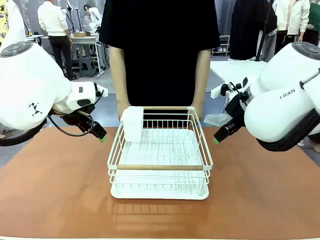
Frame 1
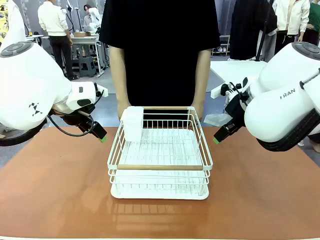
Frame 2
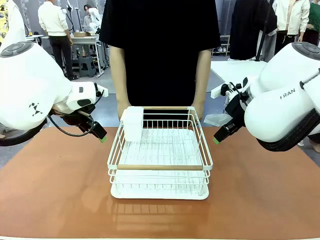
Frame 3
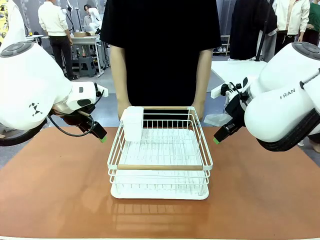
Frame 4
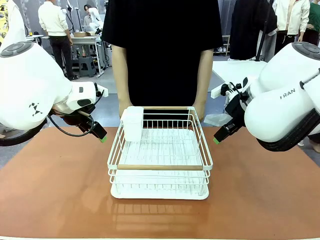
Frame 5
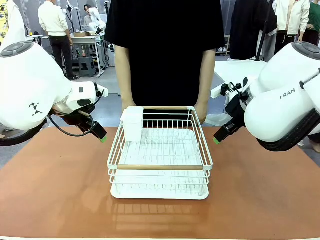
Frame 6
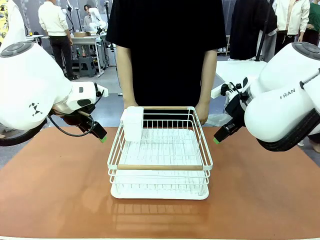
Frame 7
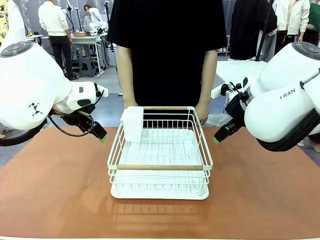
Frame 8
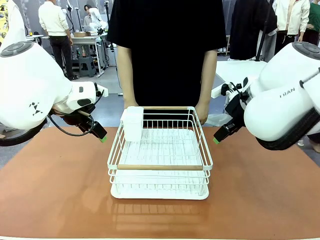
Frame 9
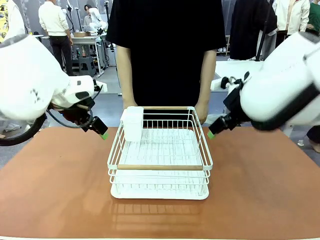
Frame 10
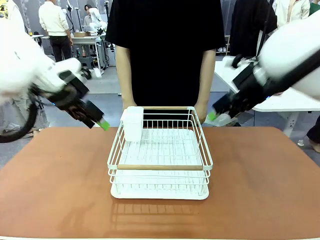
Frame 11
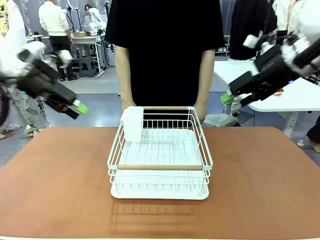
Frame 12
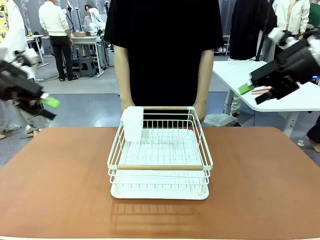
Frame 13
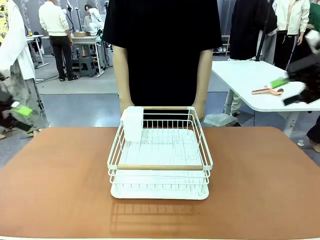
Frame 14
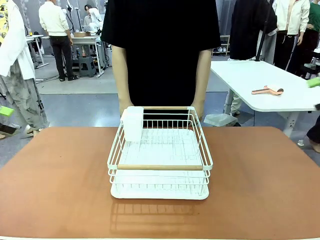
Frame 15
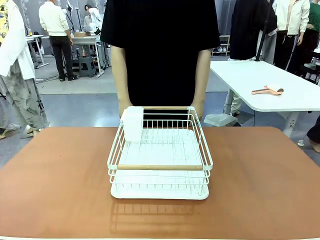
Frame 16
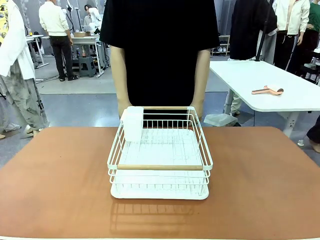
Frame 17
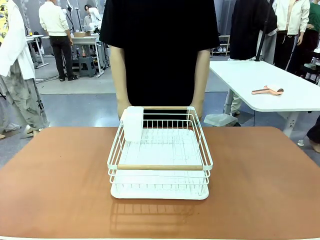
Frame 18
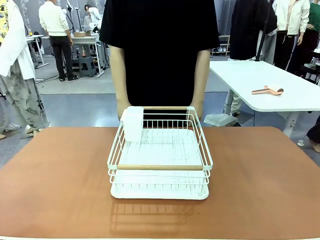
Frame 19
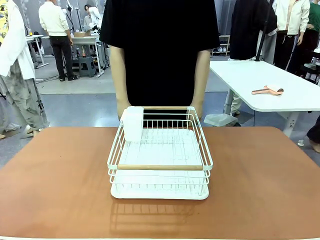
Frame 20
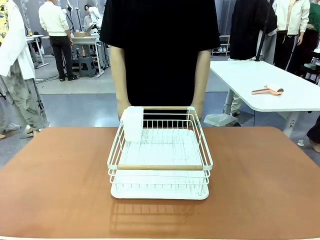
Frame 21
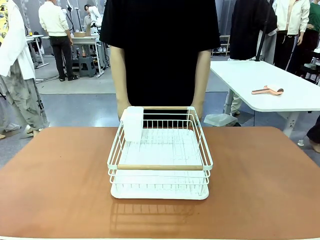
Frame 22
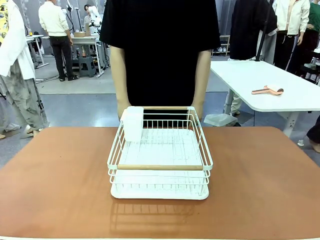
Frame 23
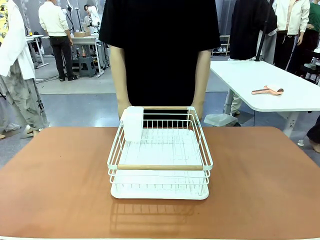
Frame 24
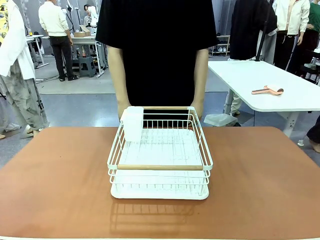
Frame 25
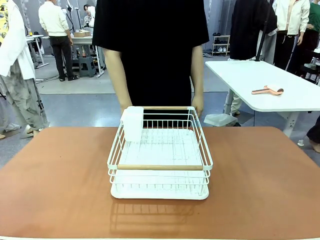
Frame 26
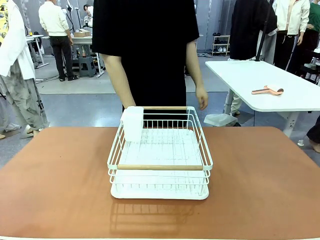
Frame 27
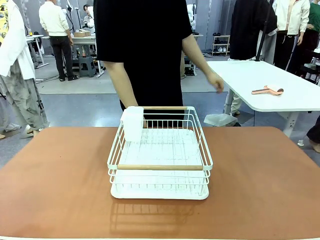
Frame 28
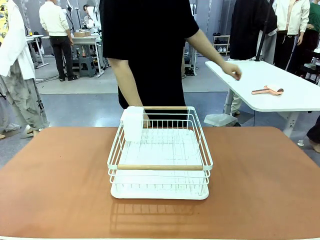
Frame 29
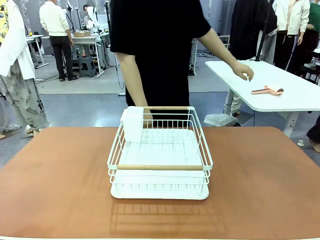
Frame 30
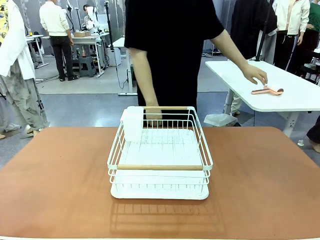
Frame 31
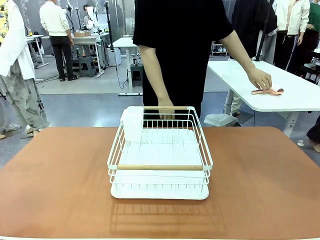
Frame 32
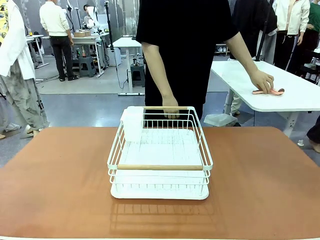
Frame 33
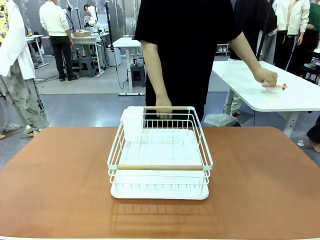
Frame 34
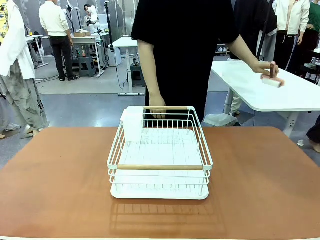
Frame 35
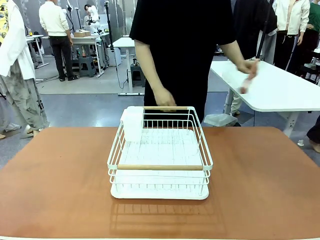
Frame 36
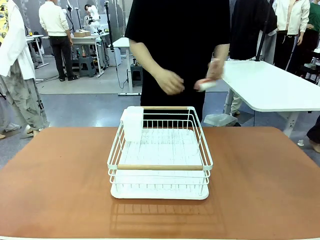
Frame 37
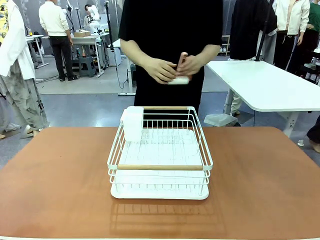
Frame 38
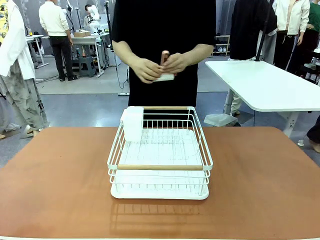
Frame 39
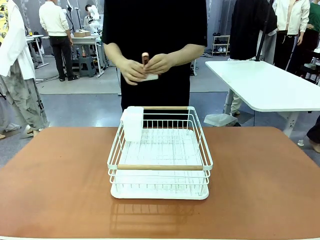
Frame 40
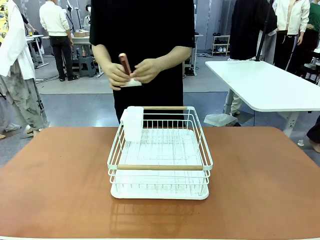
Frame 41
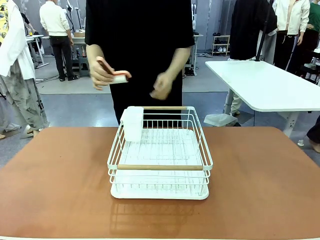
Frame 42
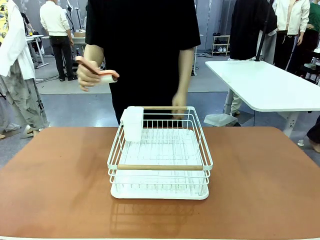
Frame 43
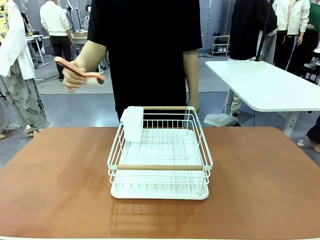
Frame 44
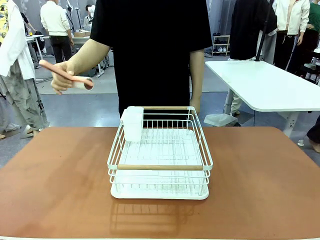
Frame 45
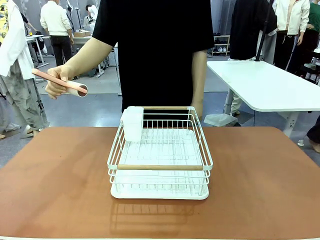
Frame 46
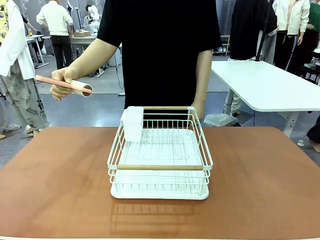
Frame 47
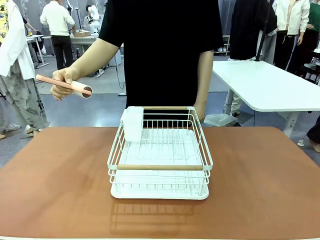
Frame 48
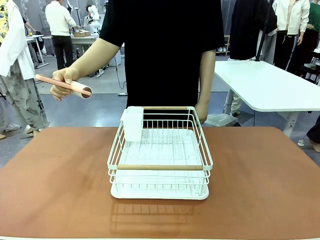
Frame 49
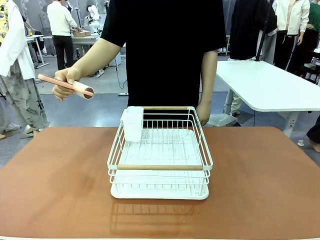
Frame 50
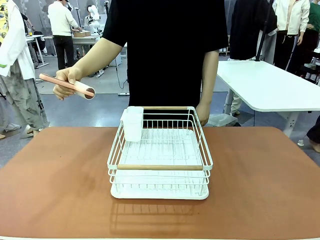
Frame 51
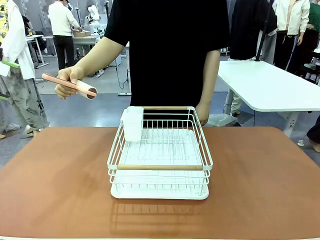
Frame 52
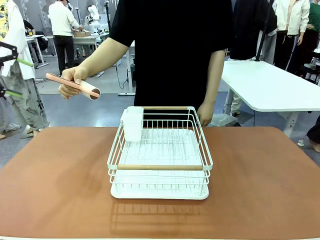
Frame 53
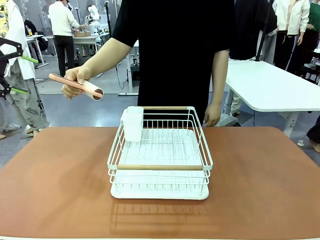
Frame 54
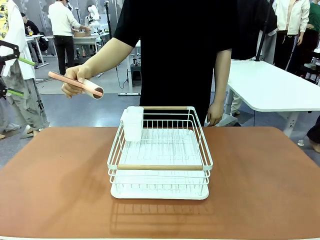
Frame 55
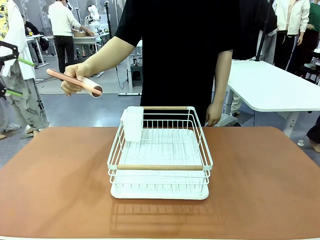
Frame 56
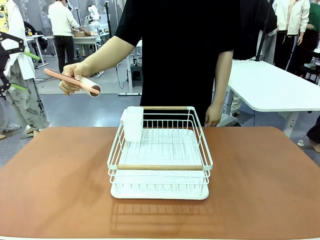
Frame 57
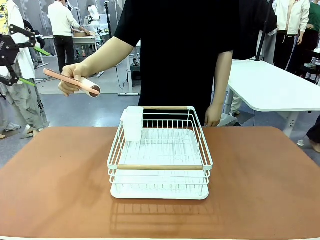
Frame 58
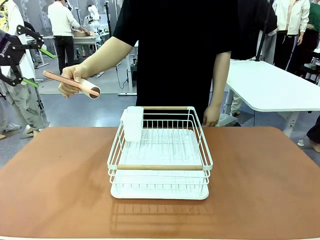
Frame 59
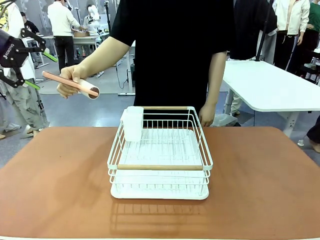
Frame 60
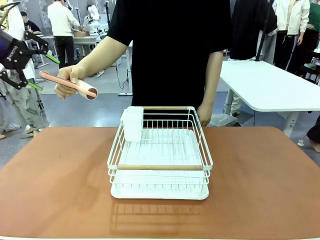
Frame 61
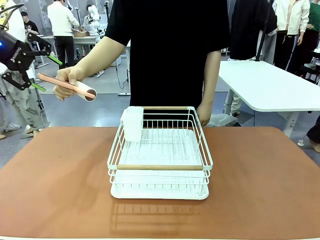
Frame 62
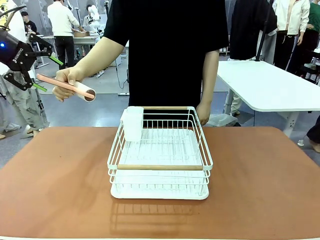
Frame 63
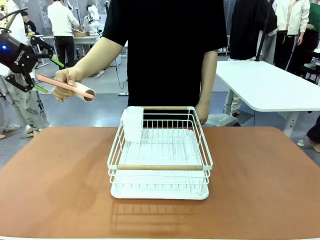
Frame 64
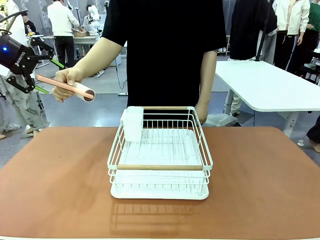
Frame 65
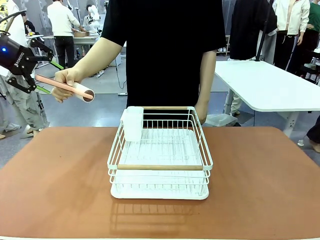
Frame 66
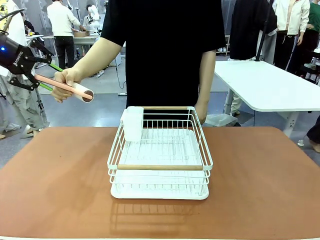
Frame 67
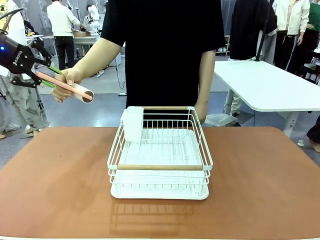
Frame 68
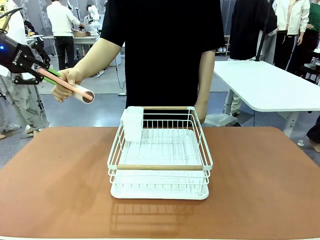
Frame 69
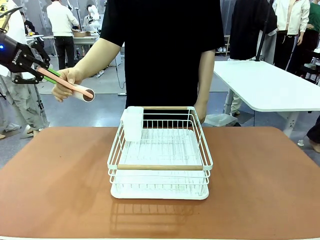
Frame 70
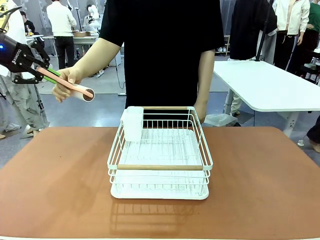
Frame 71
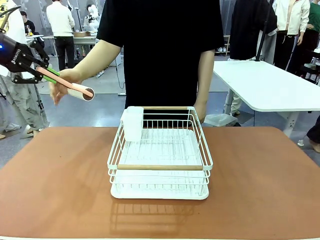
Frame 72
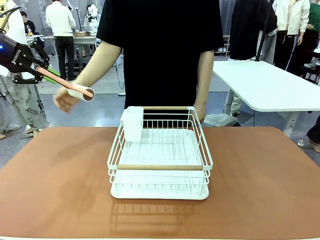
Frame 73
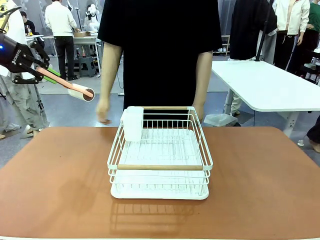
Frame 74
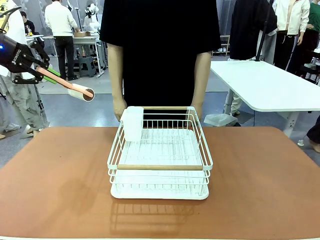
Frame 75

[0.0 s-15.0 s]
Task: Clean the table.
Robot: Pick up the Lint Roller when the human hands it over.
Person: Hand the Lint Roller to the robot so it can easily pick it up. Lift the Dish drying rack.
